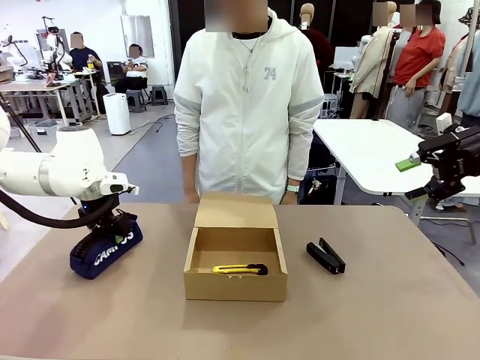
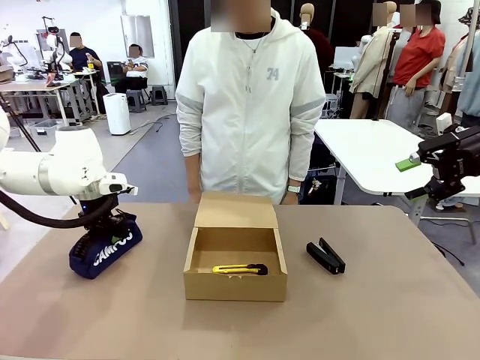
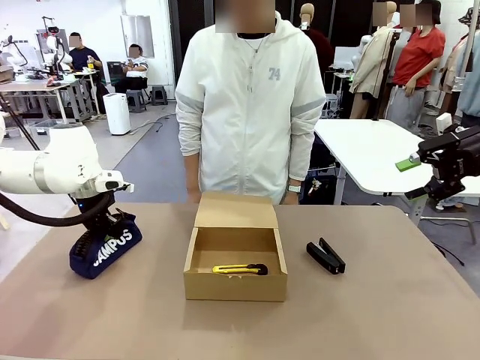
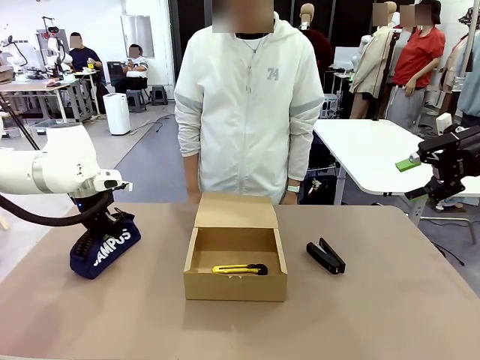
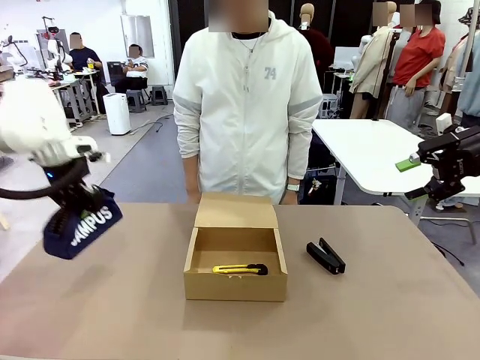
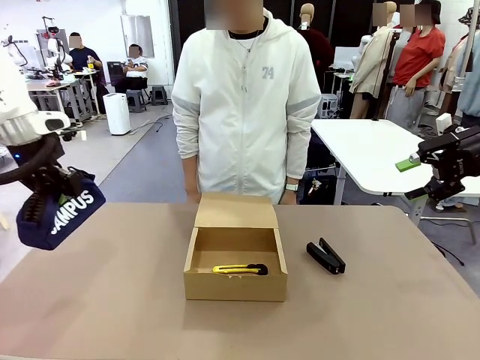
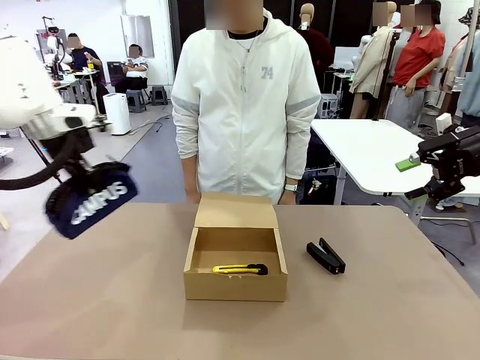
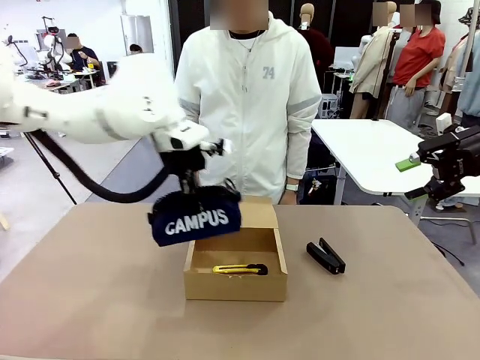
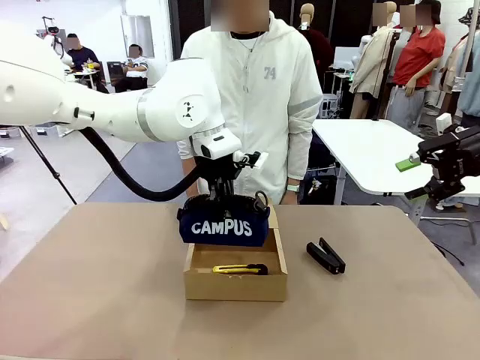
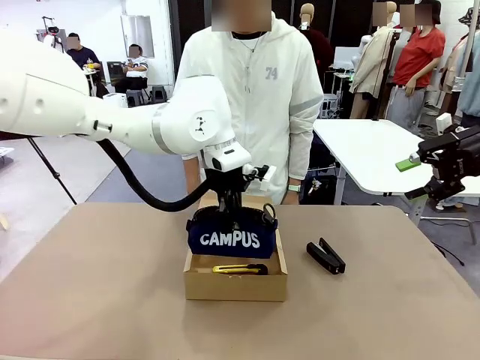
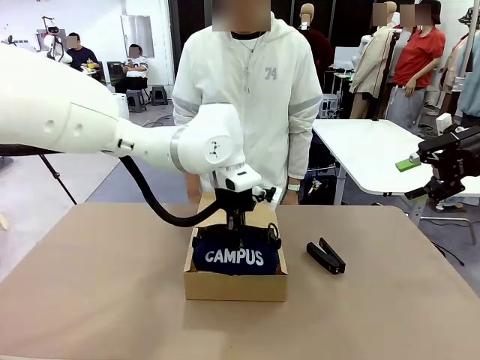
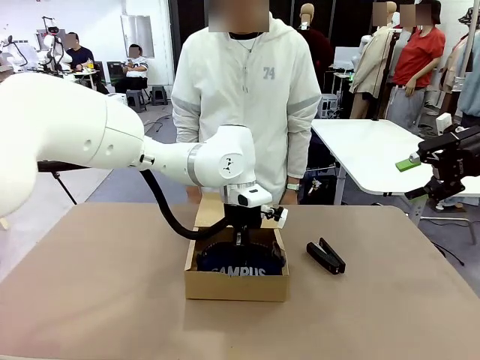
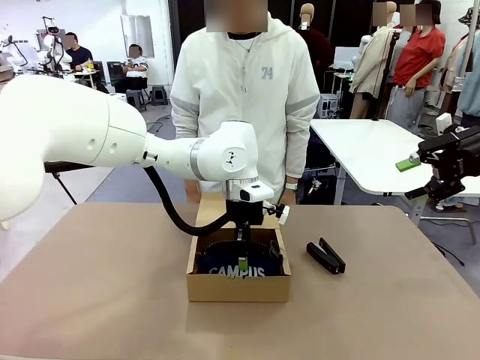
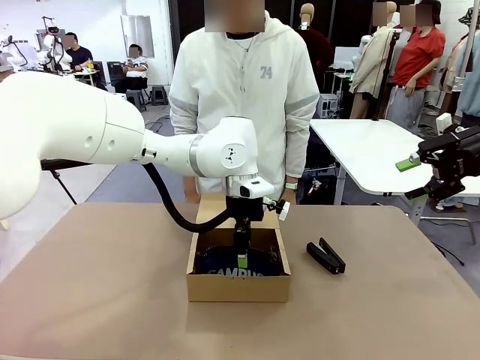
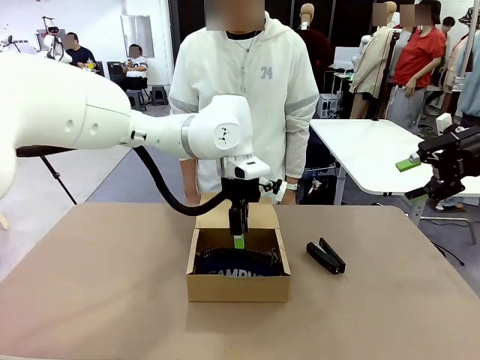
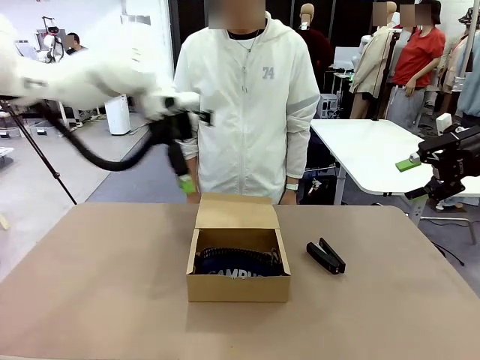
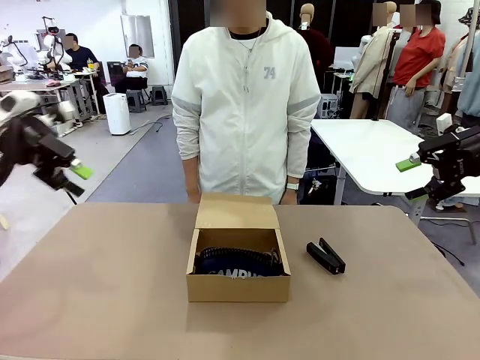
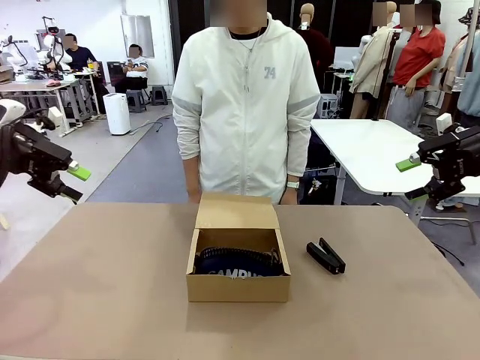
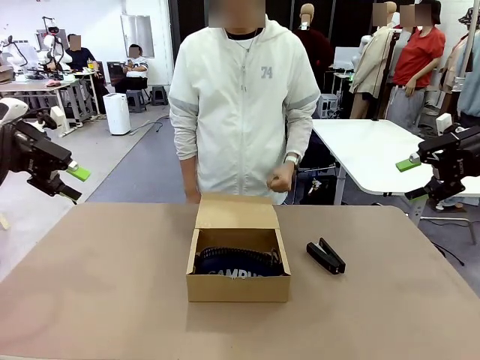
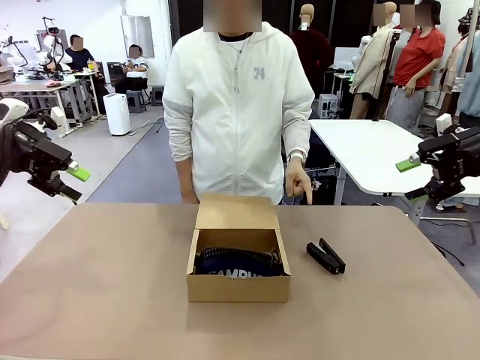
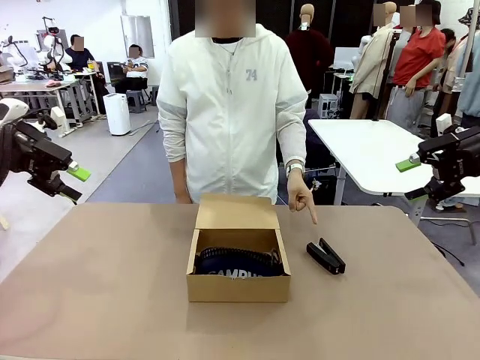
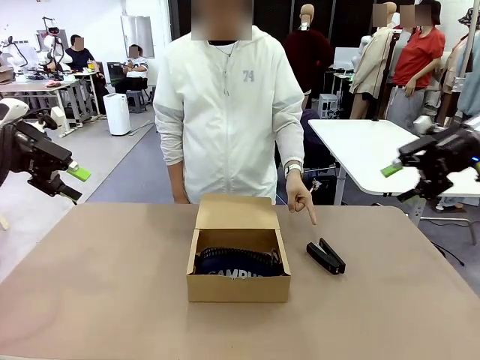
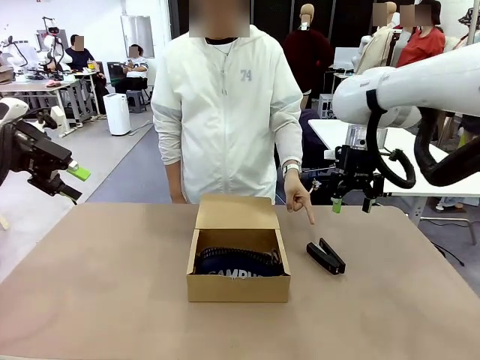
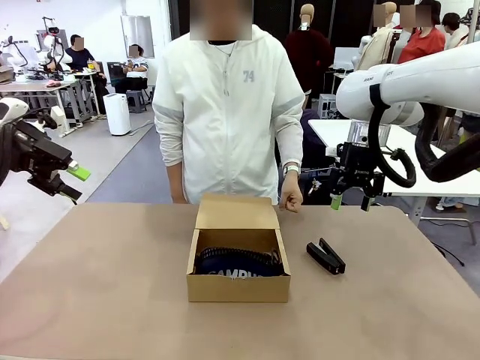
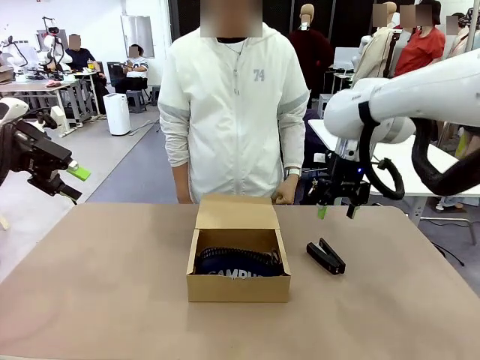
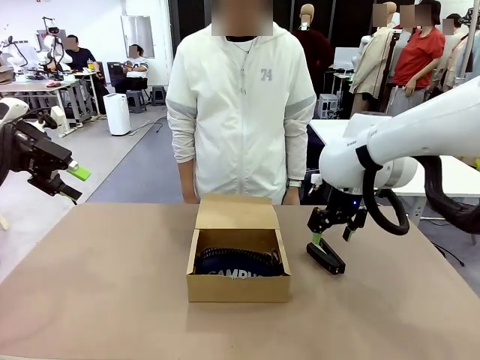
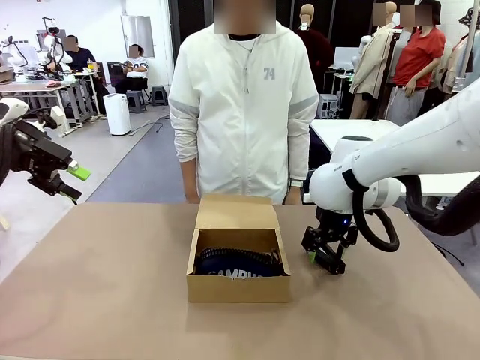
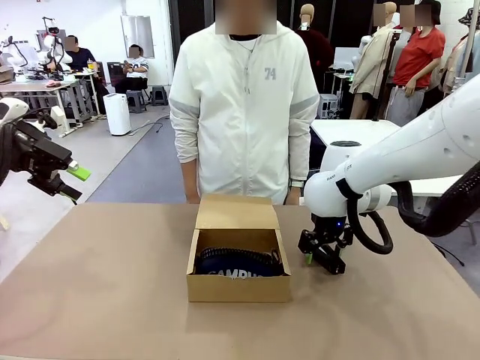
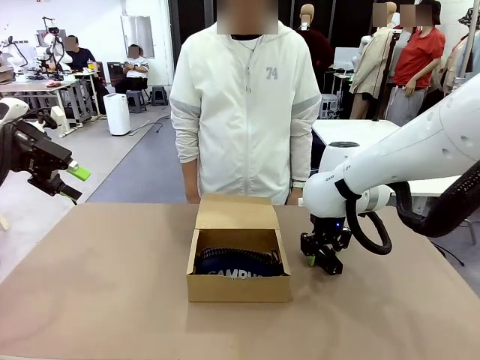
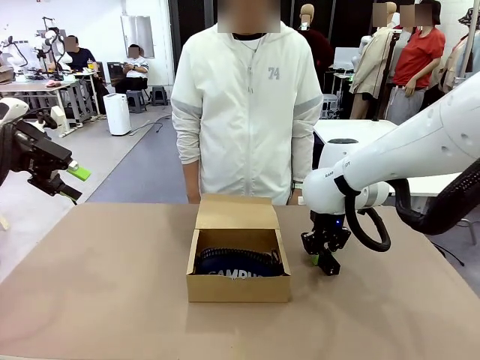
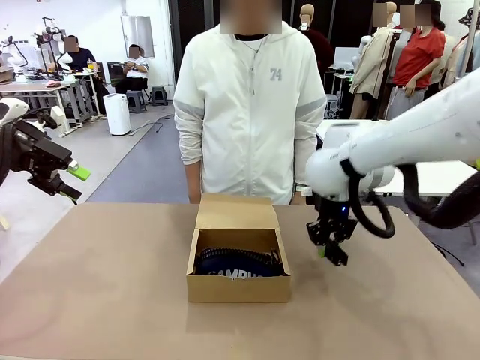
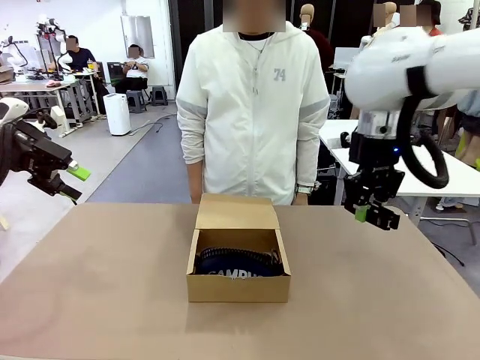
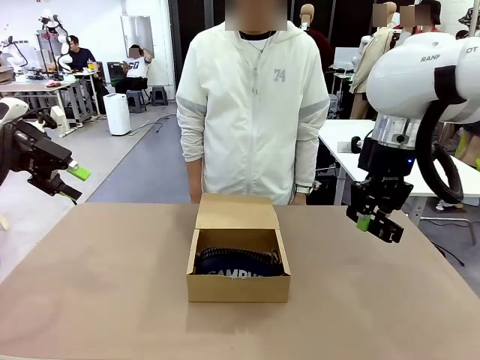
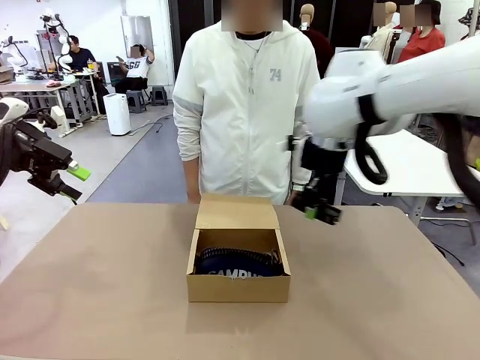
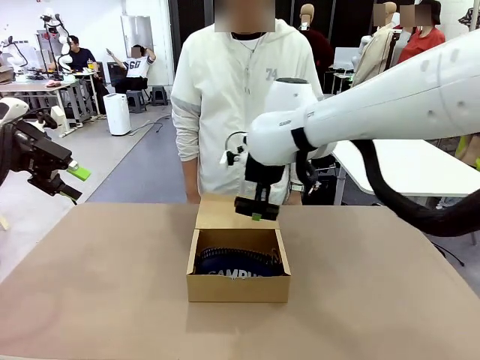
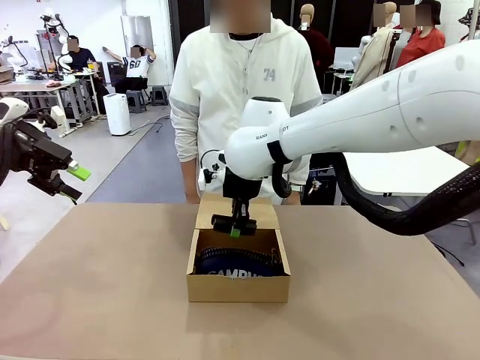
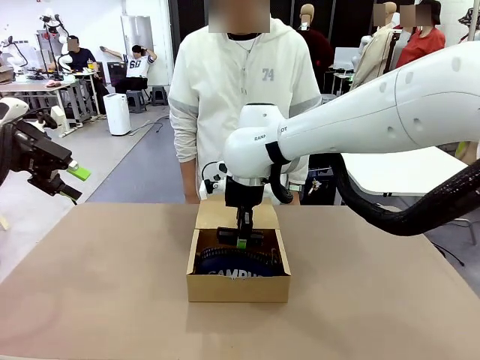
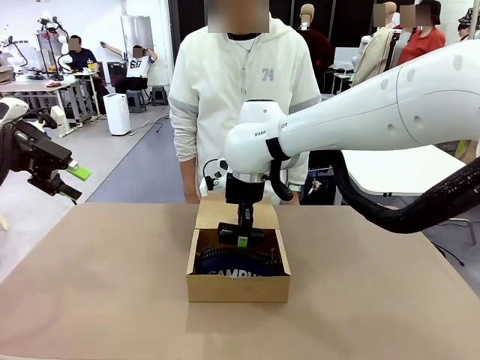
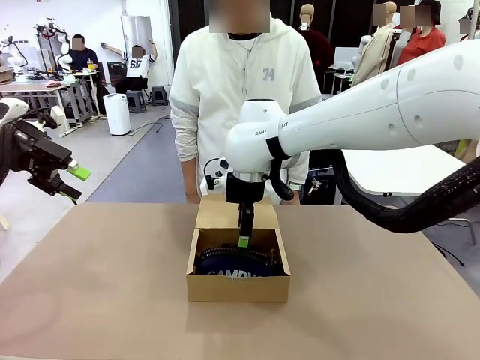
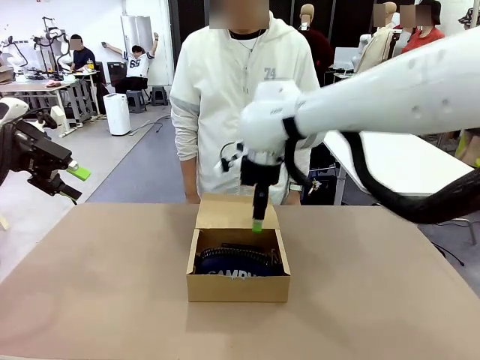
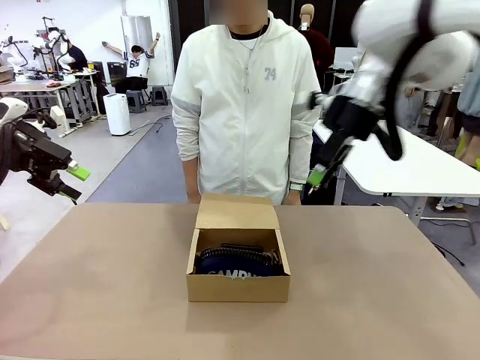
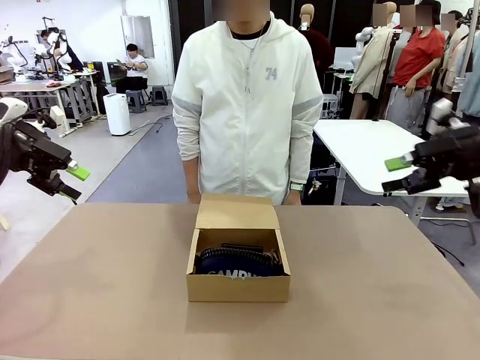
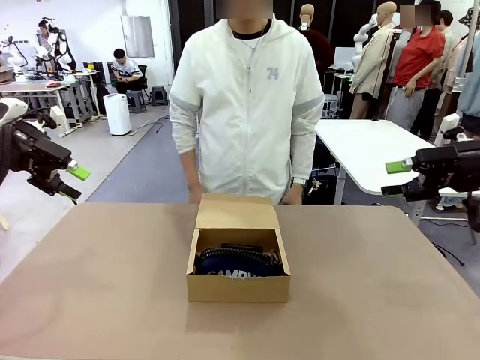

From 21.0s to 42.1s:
Task: Pack the items into the box.
Robot: Pick up the item indicated by the person and place it inside the Mailer Box.
Person: Lower both hands vertically with palms facing downward, as if pressing something closed.

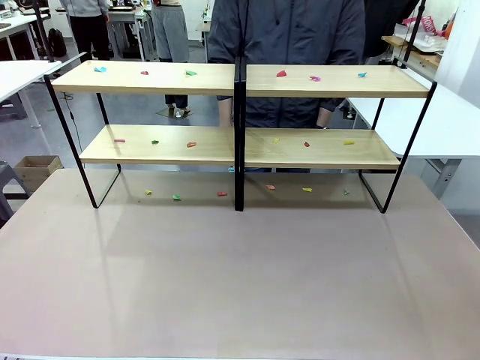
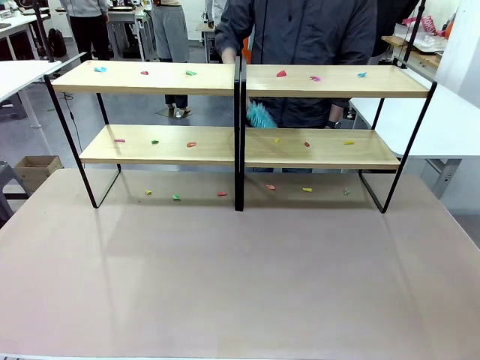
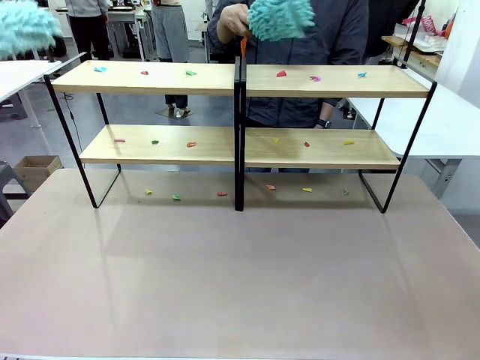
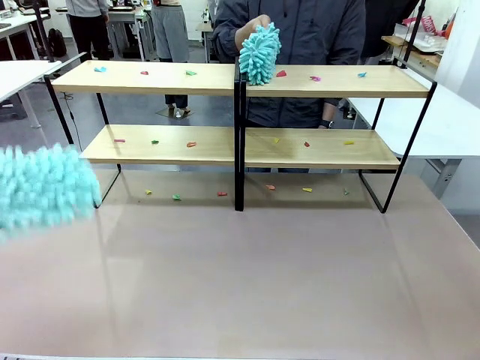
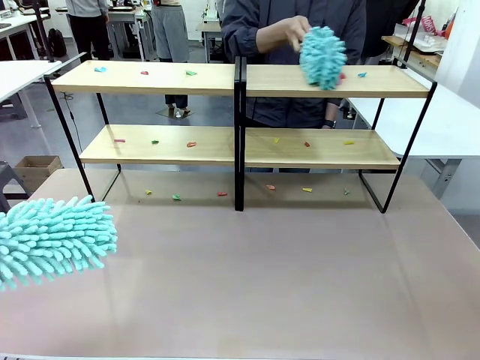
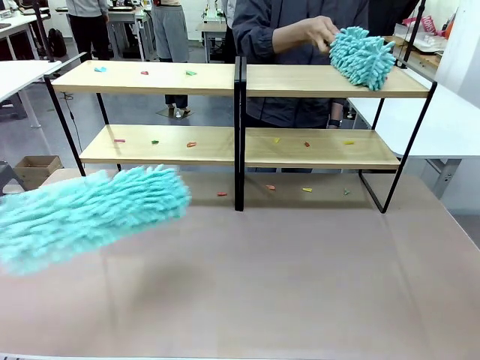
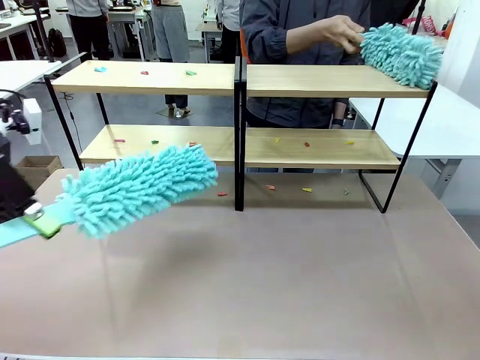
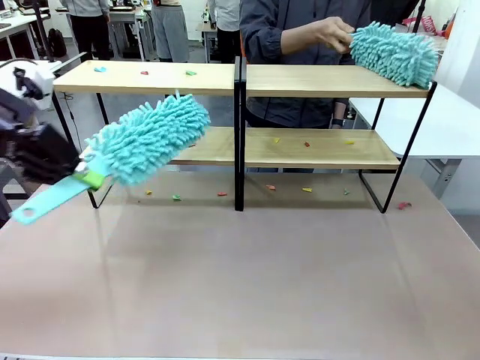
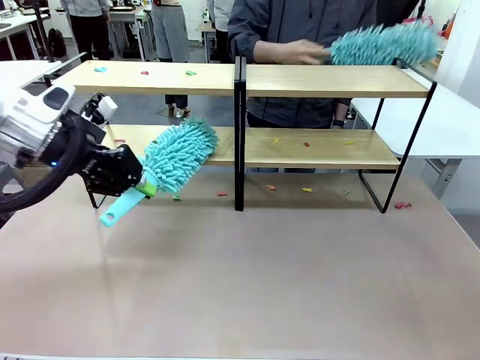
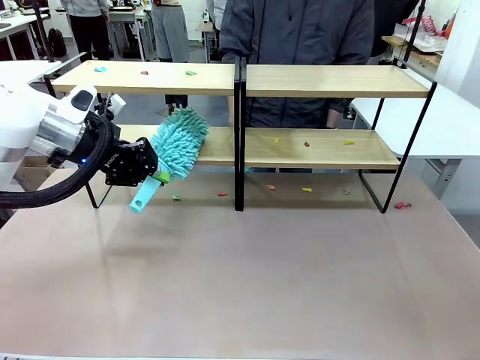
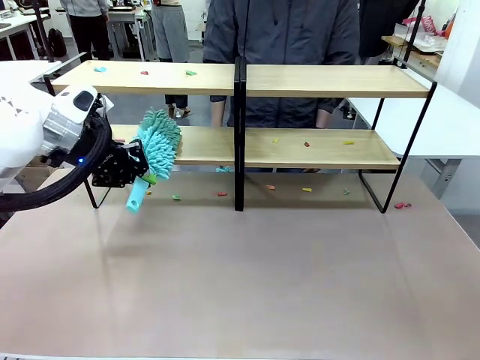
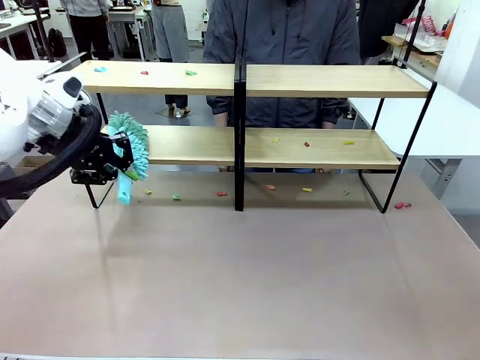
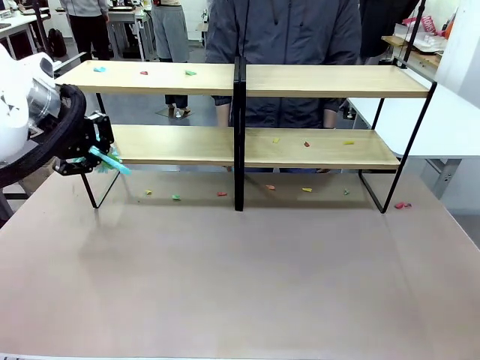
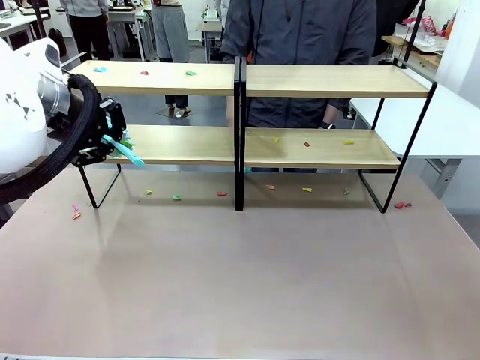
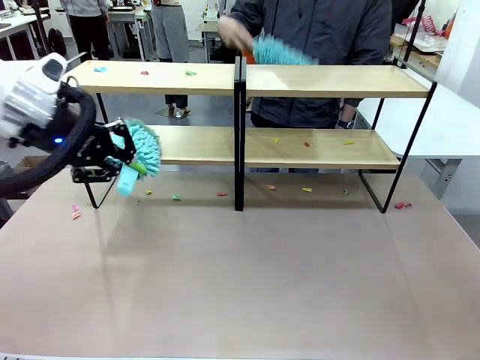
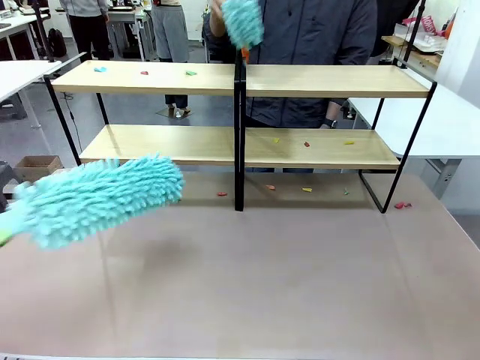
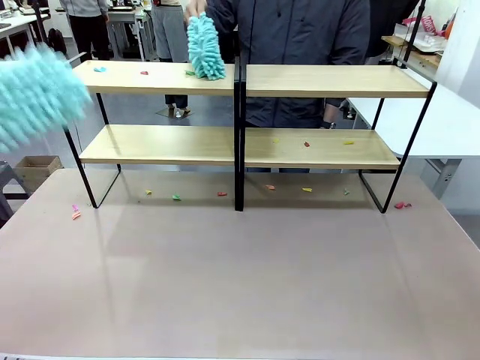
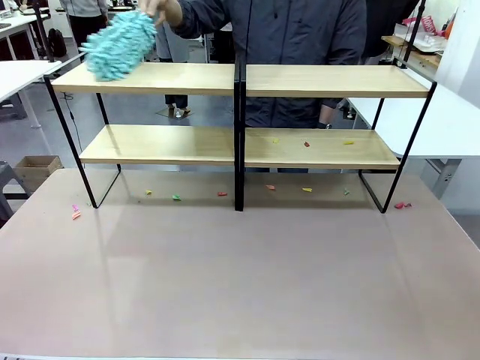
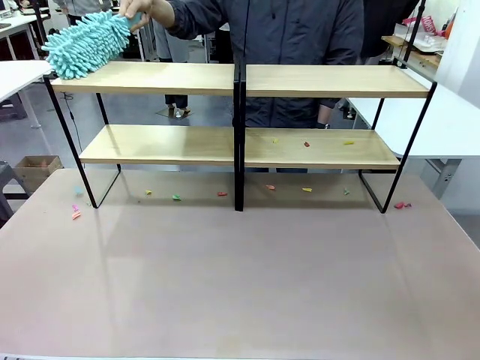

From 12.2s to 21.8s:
Task: Clean the shelves.
Robot: Clean a randomly selected level of the Shelf with the Duster.
